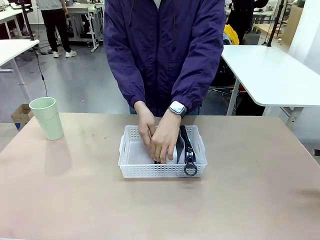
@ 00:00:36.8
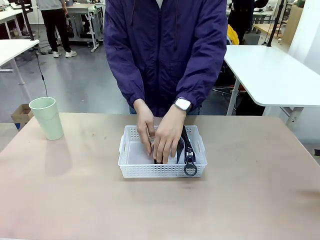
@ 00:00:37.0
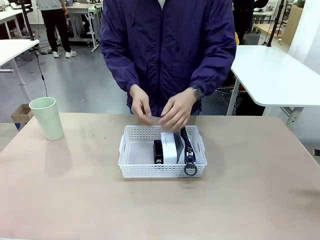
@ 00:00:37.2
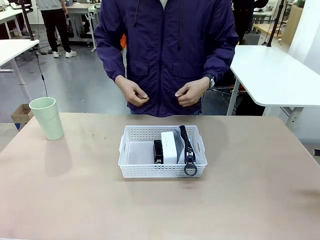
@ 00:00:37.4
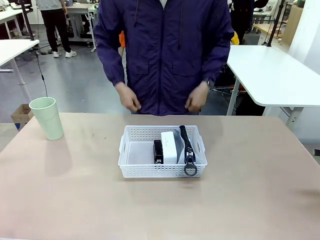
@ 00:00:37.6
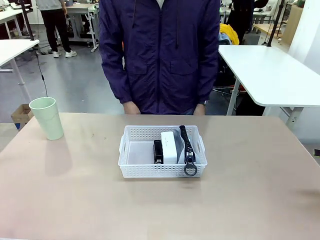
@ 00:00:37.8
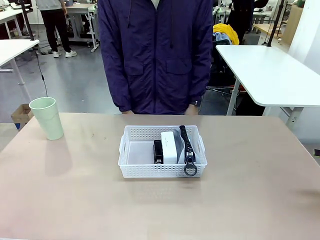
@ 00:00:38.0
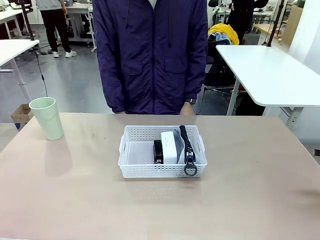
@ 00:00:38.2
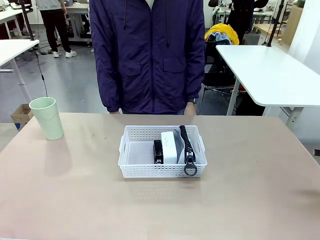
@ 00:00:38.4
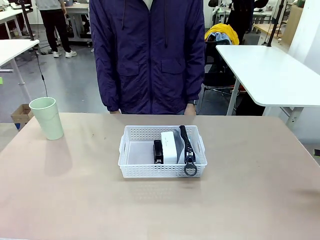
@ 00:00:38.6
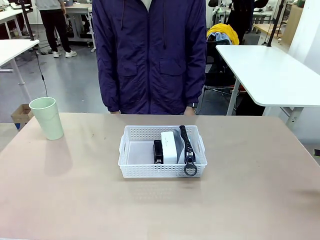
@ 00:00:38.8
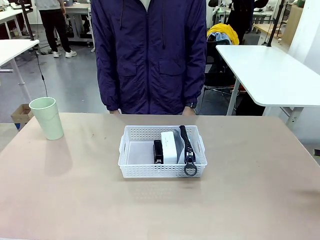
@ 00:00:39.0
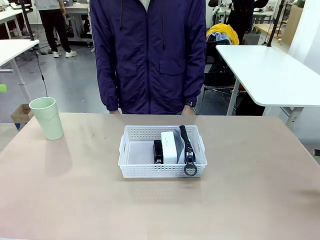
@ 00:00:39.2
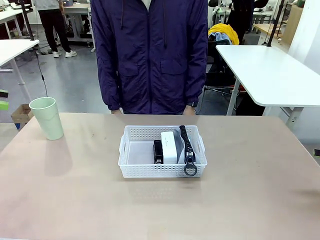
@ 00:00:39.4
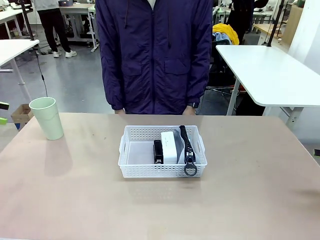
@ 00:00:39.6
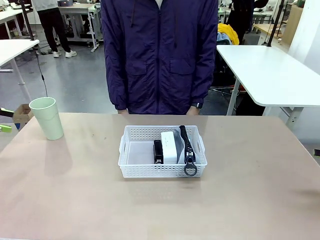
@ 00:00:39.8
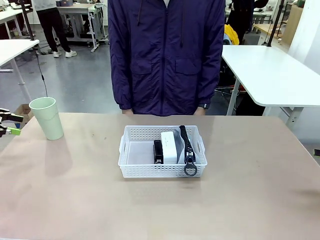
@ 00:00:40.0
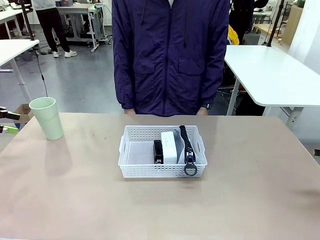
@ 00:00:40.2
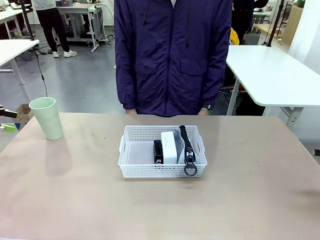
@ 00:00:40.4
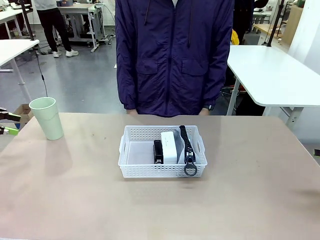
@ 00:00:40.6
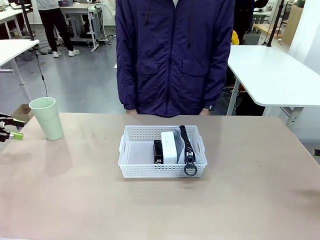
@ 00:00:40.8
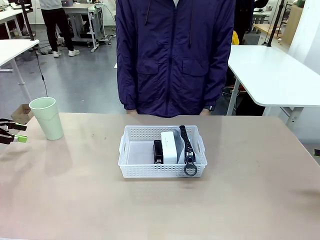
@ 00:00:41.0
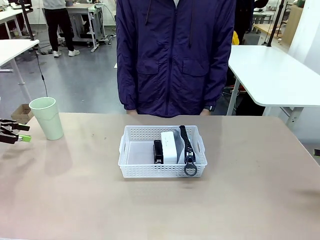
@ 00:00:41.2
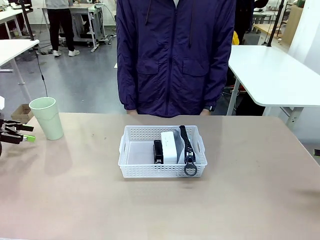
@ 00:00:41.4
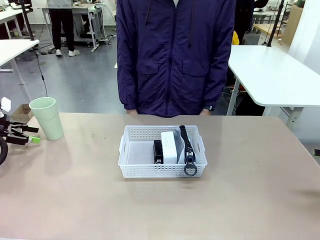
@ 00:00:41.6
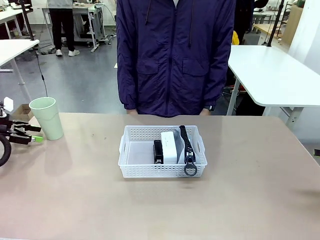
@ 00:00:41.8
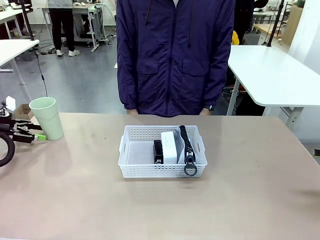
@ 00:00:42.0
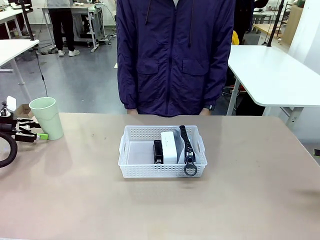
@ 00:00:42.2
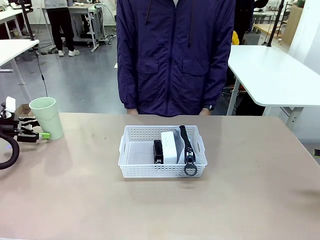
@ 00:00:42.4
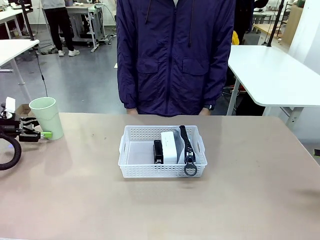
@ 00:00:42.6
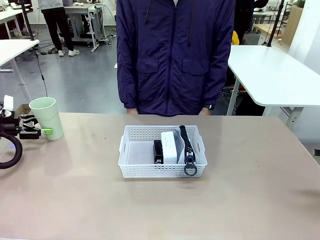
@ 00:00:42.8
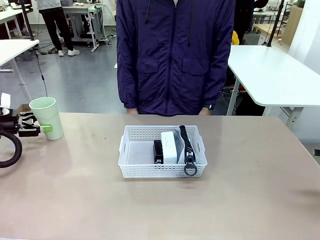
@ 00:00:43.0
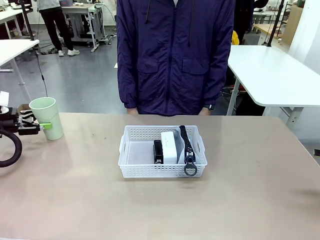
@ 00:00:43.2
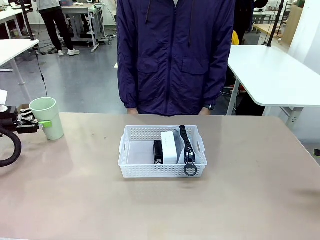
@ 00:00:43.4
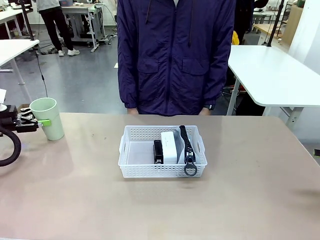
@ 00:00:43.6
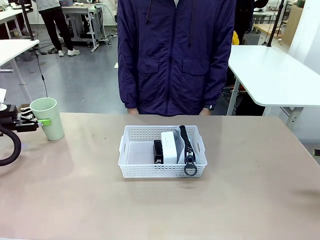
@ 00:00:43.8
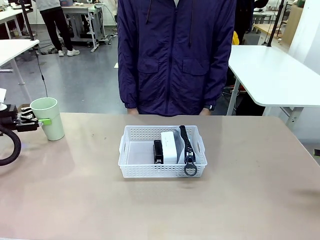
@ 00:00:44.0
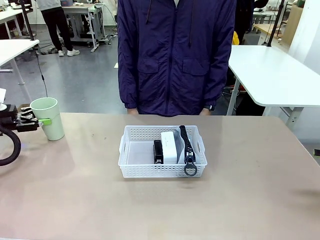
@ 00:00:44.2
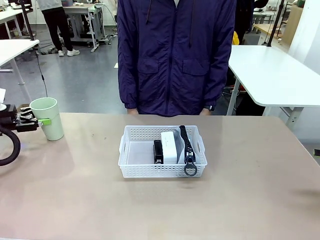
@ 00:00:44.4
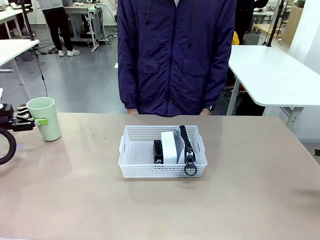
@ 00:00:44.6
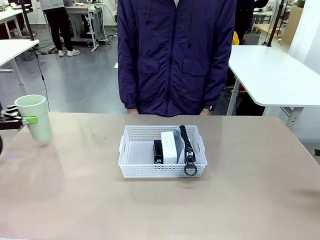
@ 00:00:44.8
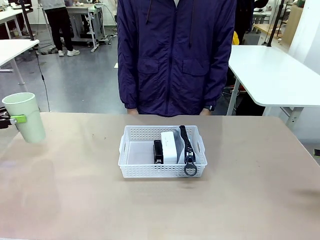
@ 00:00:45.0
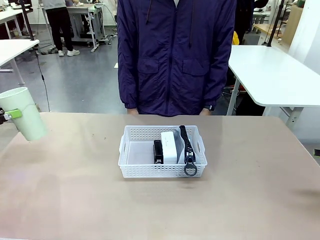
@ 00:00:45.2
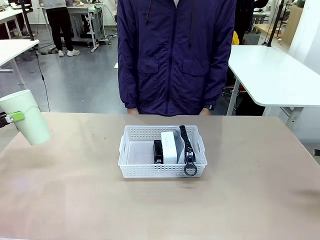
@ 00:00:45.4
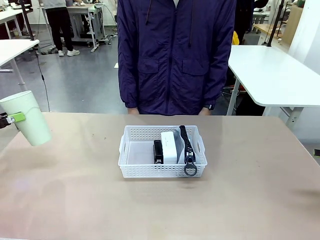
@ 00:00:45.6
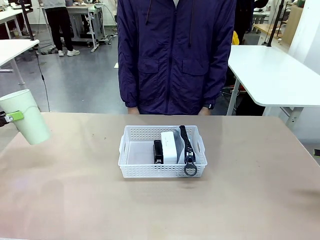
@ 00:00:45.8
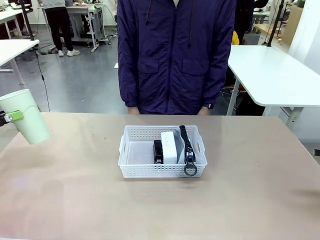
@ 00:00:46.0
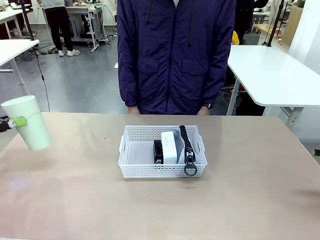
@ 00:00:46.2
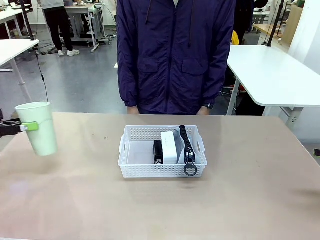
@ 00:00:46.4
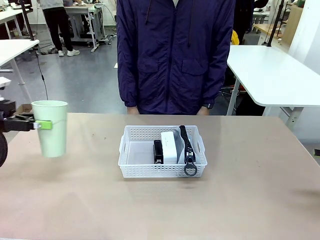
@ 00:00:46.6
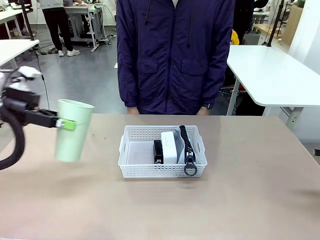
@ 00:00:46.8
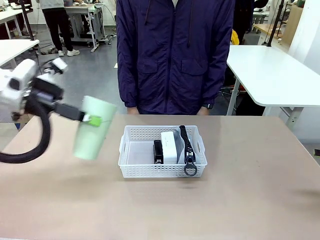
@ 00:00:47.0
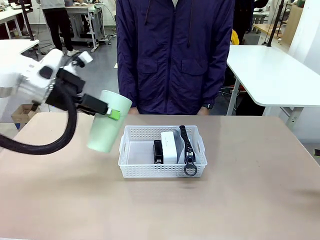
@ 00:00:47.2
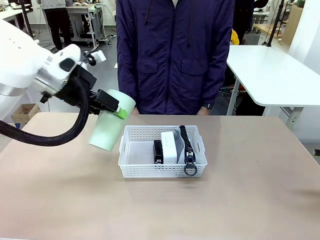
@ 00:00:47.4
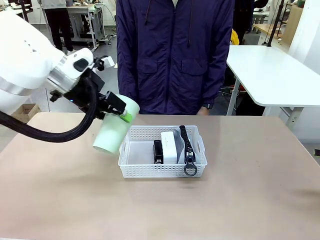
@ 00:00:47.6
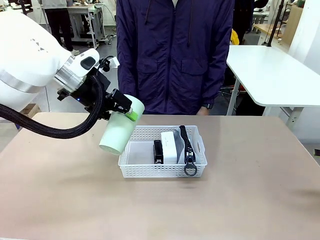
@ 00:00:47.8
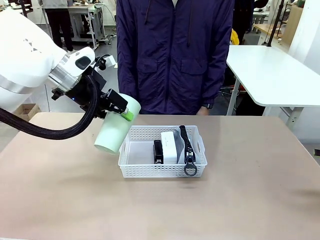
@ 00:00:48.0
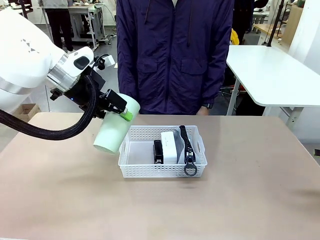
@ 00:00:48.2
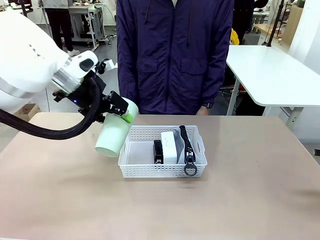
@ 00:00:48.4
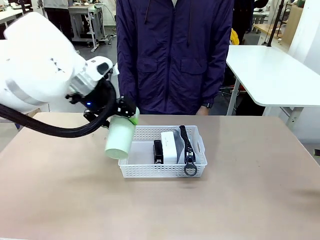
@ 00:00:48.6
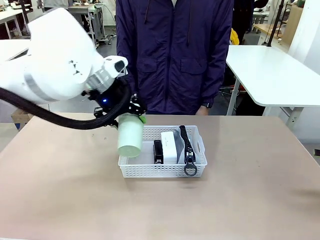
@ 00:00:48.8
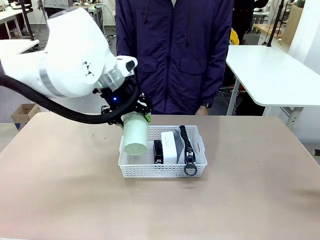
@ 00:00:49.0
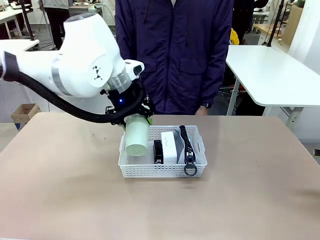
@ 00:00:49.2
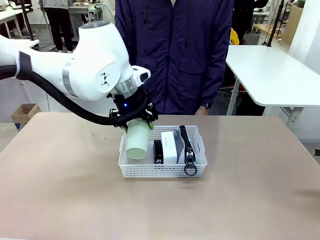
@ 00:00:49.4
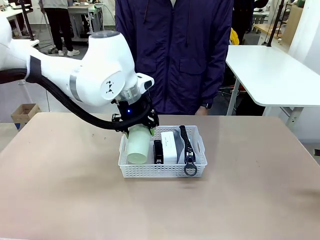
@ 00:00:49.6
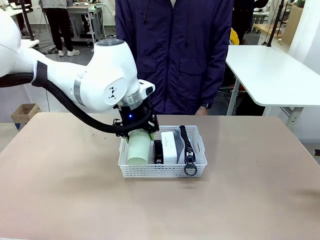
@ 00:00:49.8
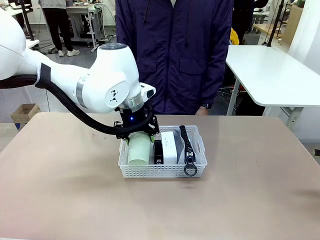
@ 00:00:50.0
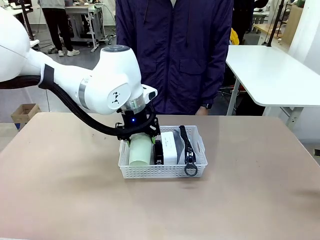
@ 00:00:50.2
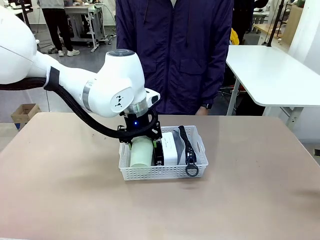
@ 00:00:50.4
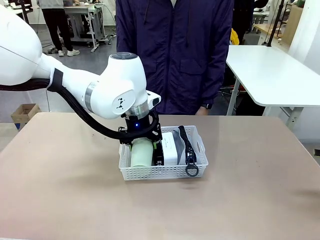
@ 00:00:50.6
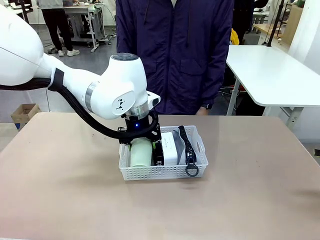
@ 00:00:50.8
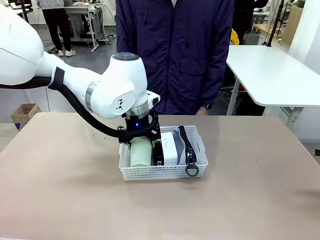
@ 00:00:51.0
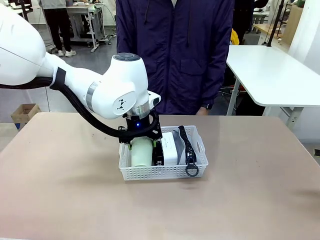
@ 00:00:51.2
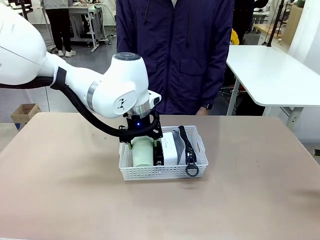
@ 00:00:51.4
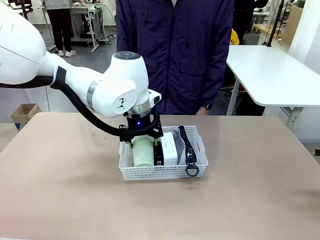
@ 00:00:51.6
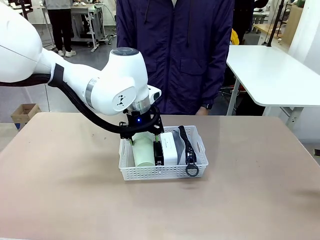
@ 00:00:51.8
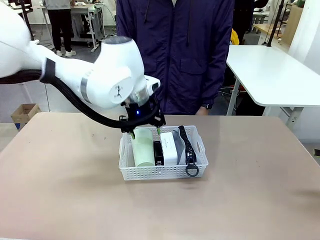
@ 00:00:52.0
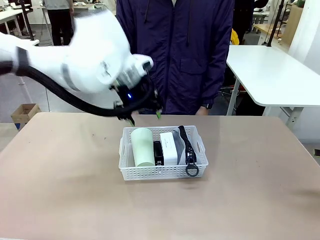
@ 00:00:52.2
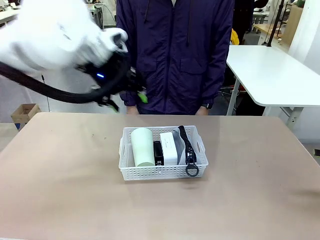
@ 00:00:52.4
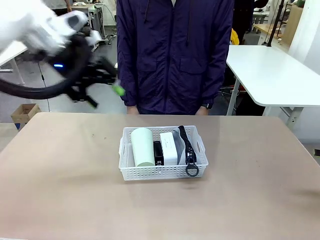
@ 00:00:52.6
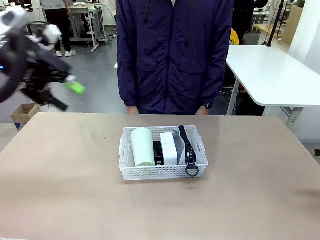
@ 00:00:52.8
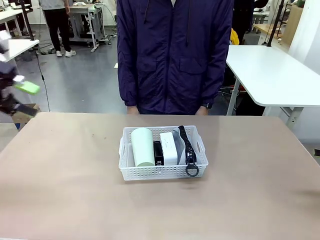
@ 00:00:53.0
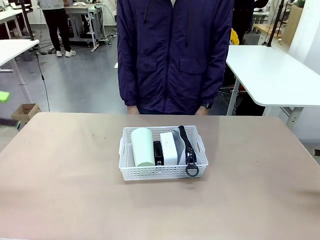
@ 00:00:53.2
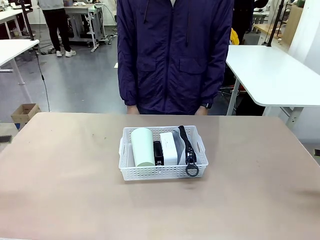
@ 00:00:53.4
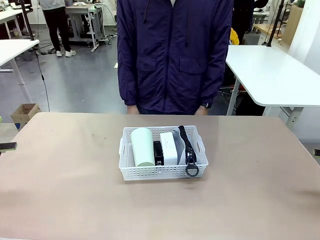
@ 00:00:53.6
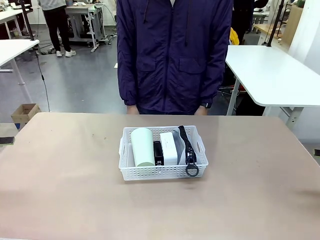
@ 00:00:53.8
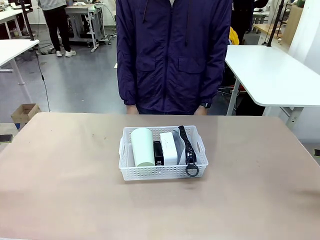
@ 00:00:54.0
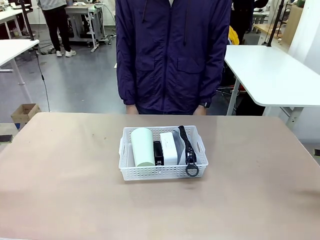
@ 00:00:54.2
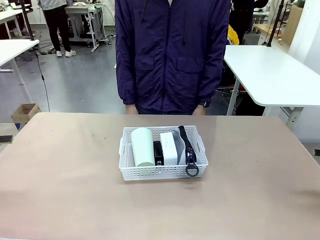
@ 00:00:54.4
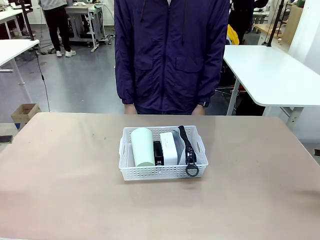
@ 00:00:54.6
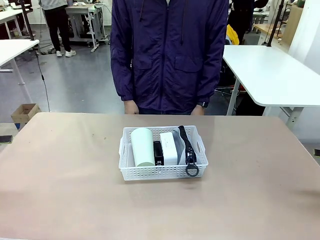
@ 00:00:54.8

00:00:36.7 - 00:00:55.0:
Task: Efficiently arrange items inside the basket to fit them all.
Robot: Pick up the Reusable plastic cup and place it inside the Organizing basket.
Person: Repositions the stapler.
